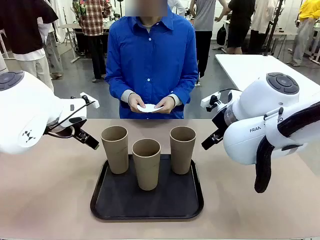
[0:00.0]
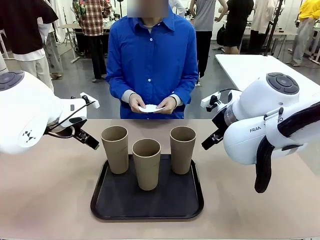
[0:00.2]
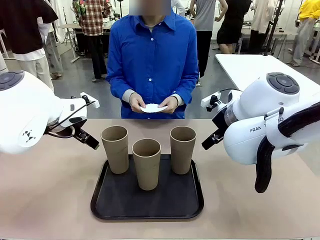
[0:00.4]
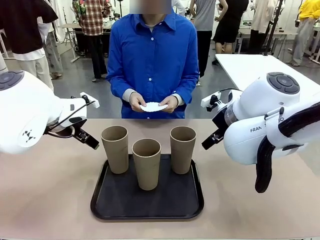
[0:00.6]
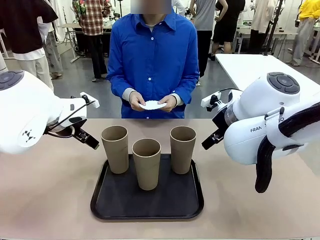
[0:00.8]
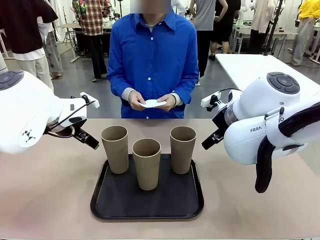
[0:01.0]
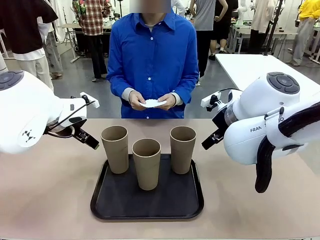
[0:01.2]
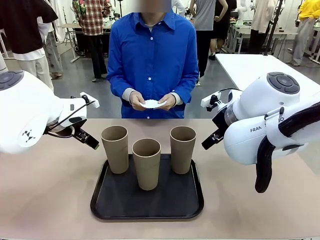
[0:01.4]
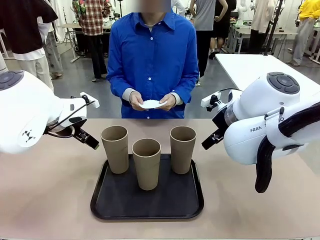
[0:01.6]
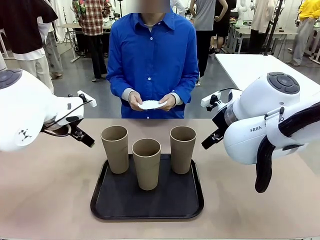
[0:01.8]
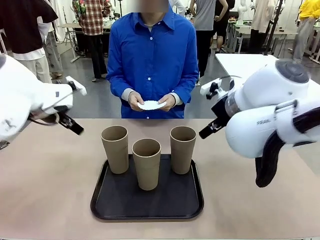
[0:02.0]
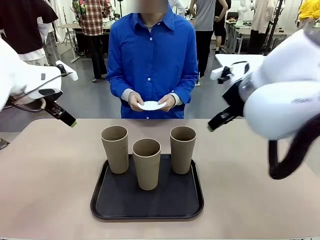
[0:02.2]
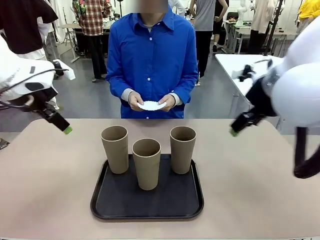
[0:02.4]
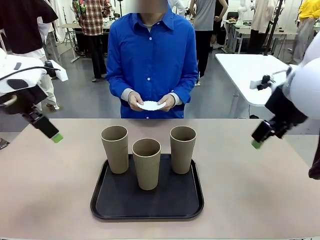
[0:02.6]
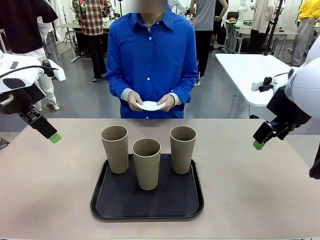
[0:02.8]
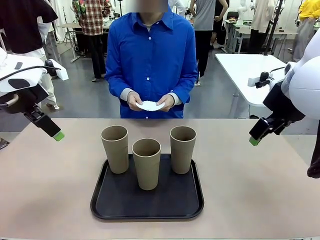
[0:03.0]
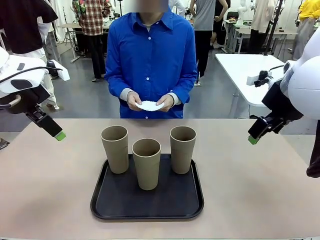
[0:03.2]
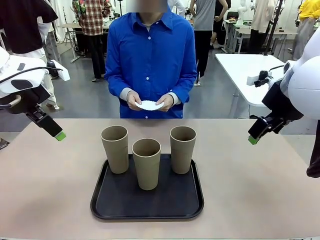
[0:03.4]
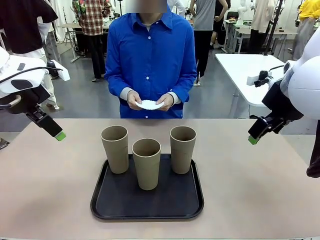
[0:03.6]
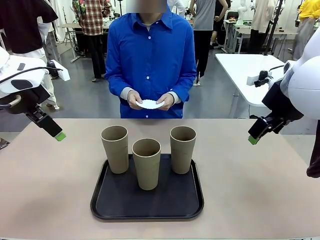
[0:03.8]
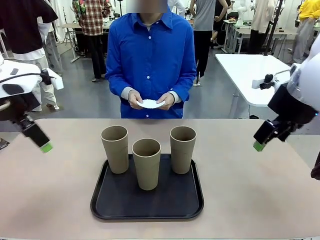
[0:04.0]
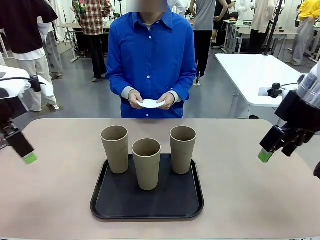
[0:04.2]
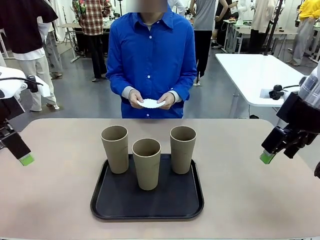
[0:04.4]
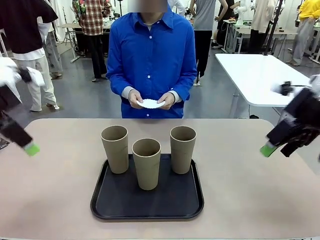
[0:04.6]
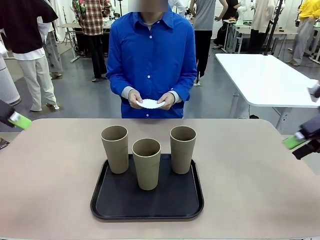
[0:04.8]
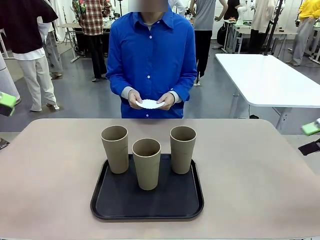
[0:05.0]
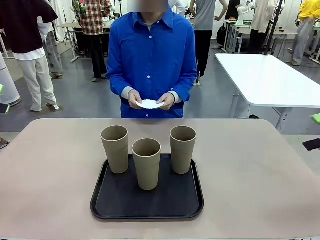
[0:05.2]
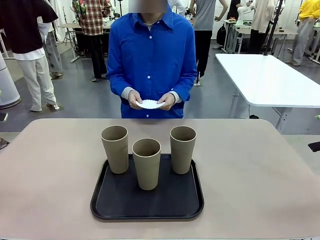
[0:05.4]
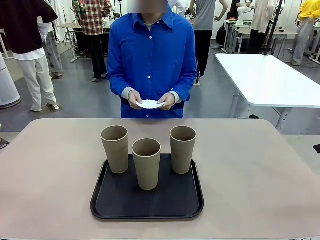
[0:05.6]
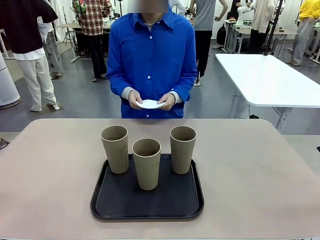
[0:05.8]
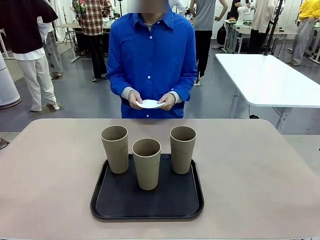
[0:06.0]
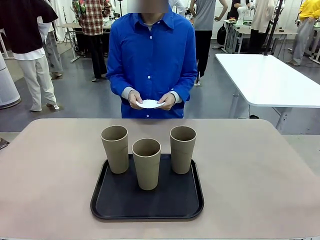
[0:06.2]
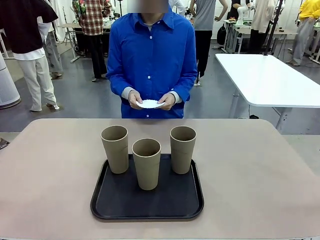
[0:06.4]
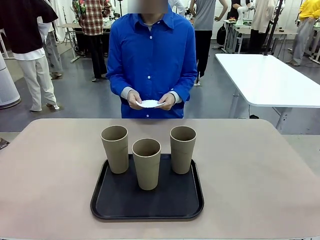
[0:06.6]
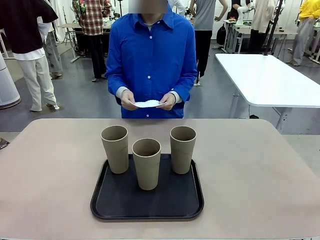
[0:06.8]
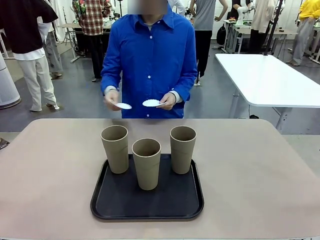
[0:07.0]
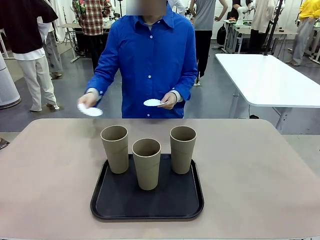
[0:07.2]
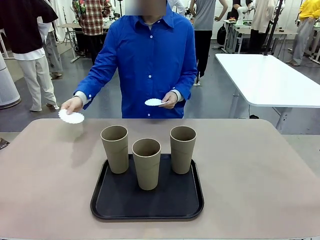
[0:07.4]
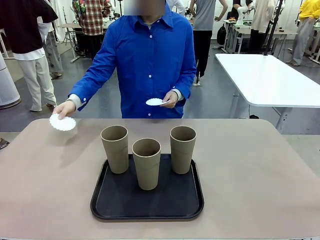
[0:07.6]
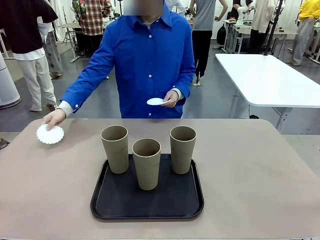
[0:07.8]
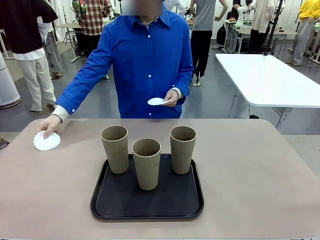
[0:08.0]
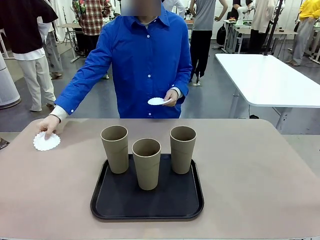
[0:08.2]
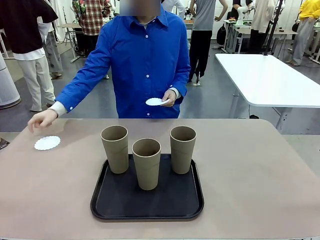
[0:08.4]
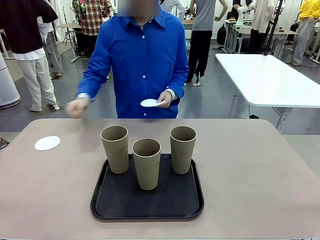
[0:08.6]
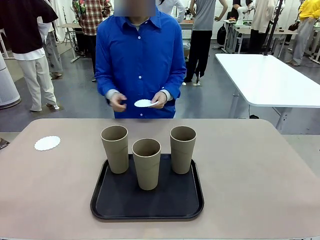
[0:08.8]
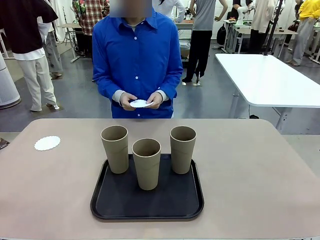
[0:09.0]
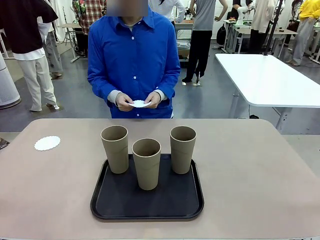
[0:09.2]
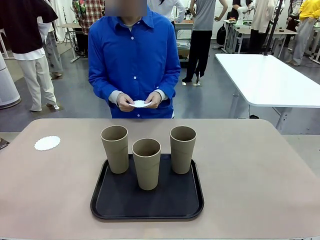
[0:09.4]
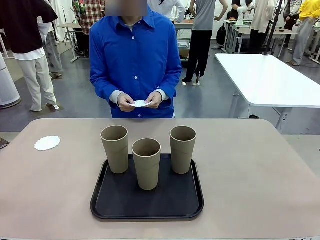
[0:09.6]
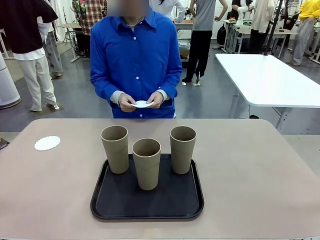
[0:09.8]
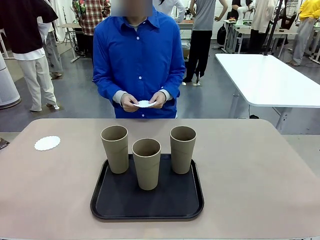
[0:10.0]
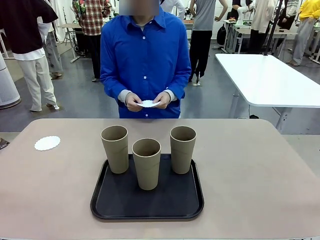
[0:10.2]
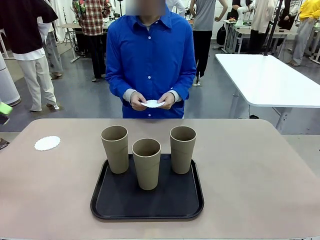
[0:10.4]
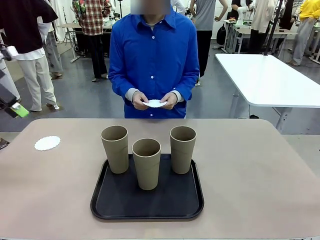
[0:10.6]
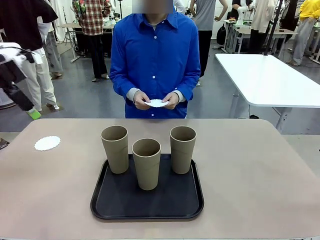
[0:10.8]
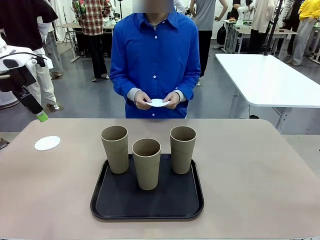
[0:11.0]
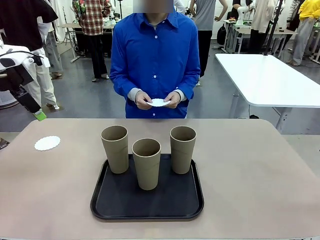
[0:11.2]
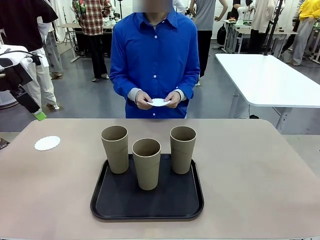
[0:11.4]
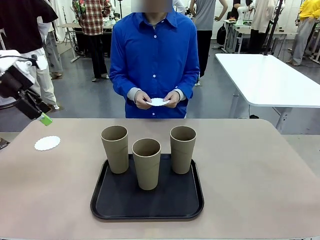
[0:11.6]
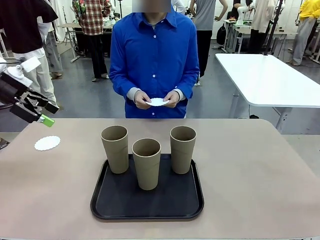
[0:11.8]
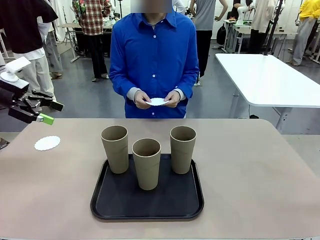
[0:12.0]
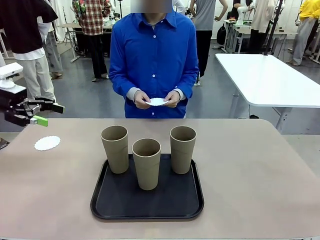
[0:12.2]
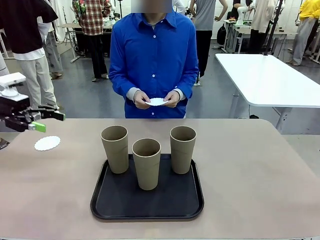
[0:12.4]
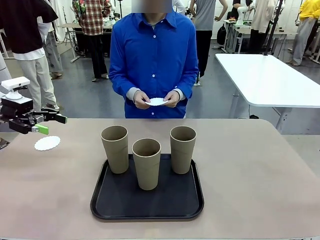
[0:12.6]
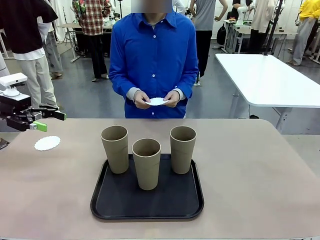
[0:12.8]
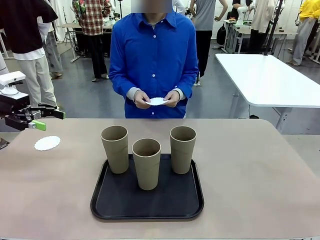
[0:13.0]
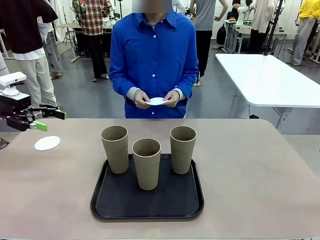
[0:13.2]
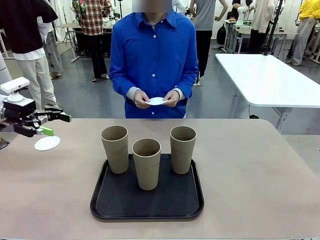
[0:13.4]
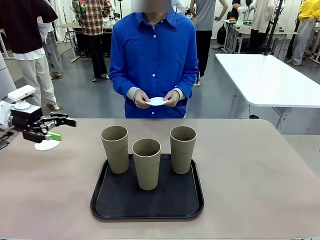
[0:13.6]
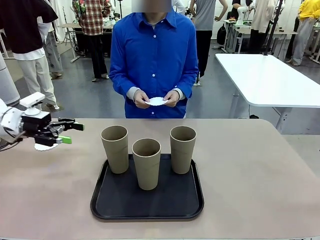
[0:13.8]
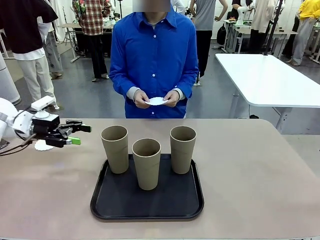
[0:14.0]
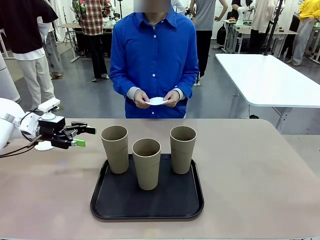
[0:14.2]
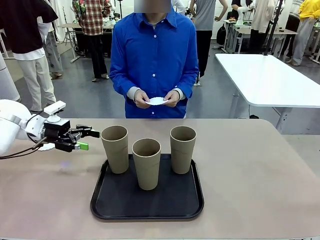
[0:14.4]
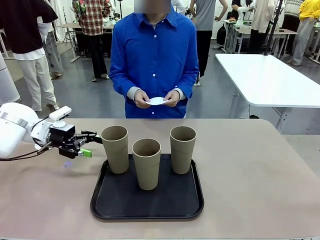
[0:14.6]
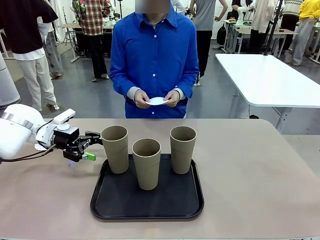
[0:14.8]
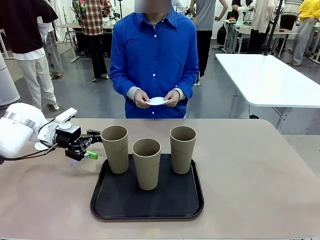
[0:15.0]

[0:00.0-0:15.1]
Task: Place coasters on the table and set cups on them.
Robot: Pick up one Reusable plastic cup and place it on a coaster set by the human.
Person: Place one coaster in any one of the three lower areas of the robot table (left, center, or right).
